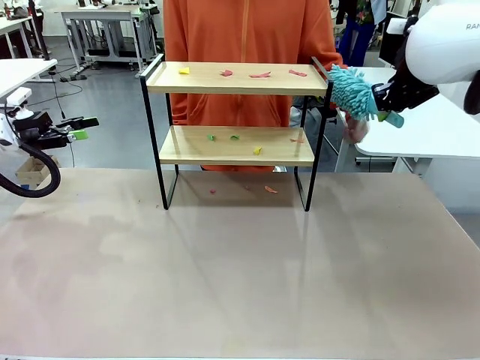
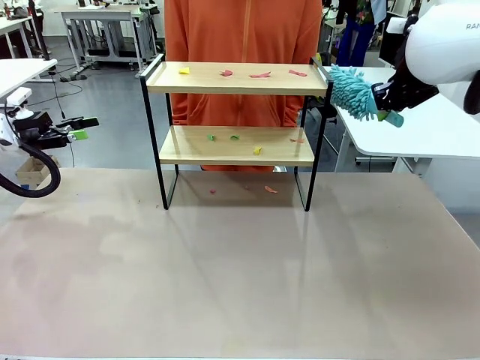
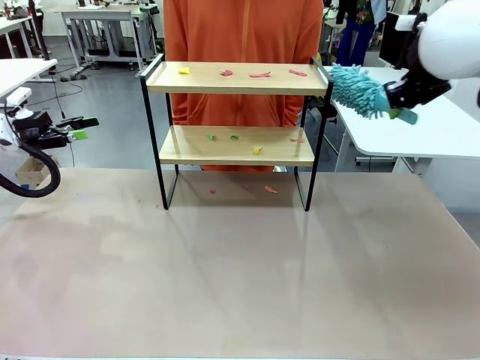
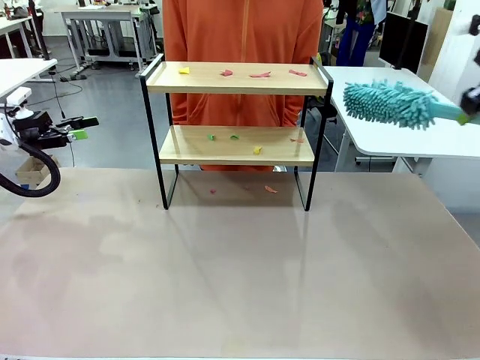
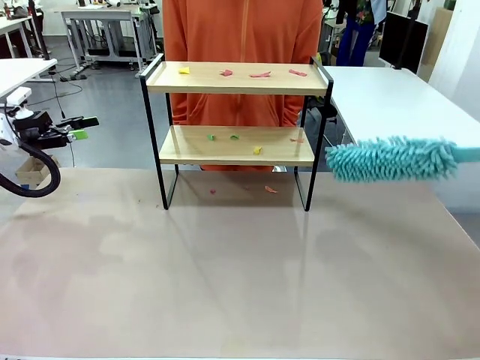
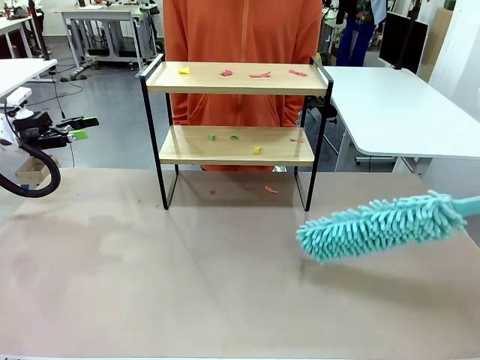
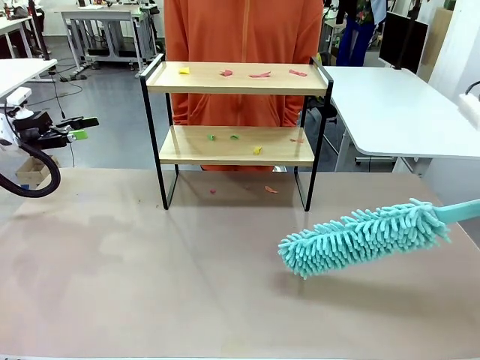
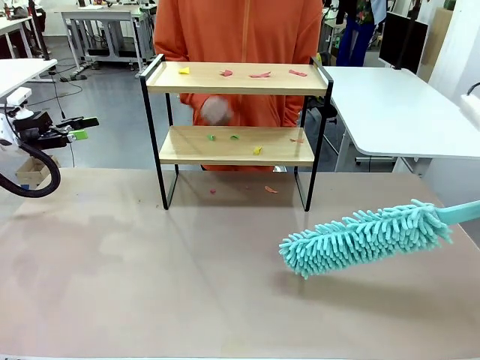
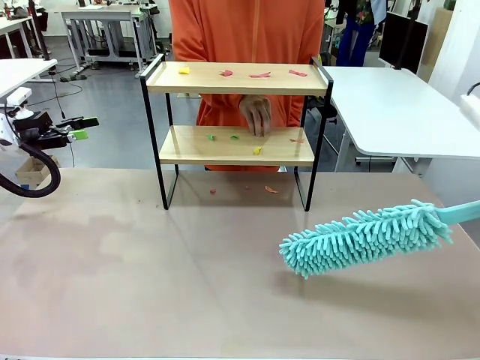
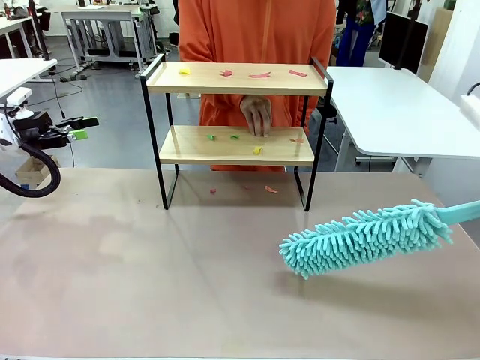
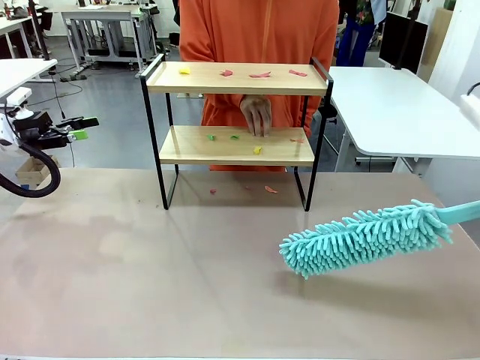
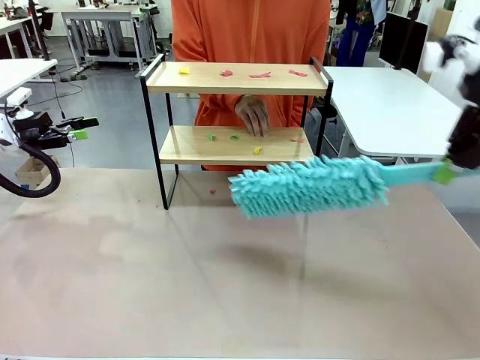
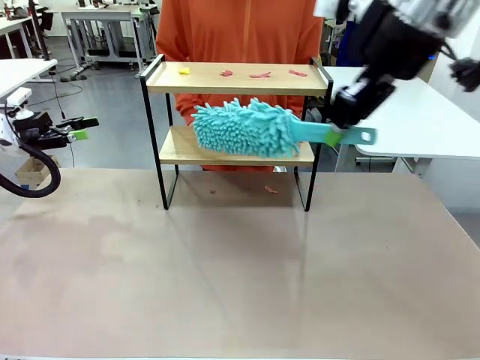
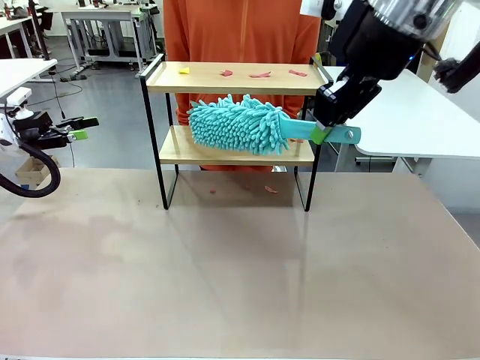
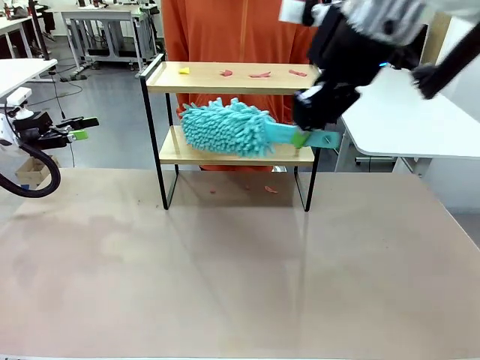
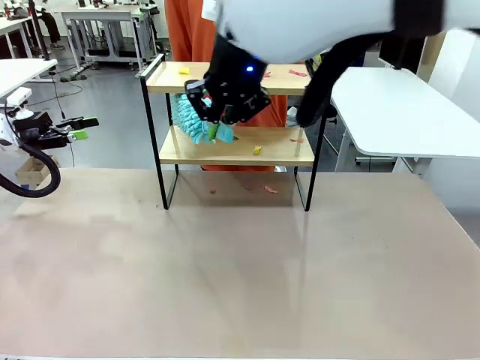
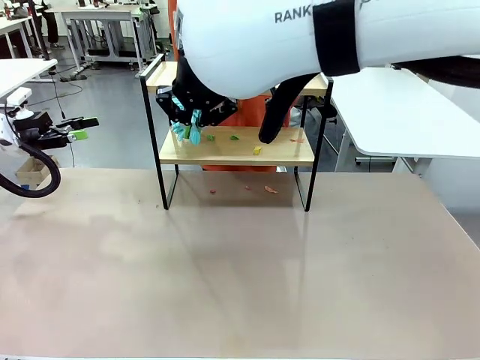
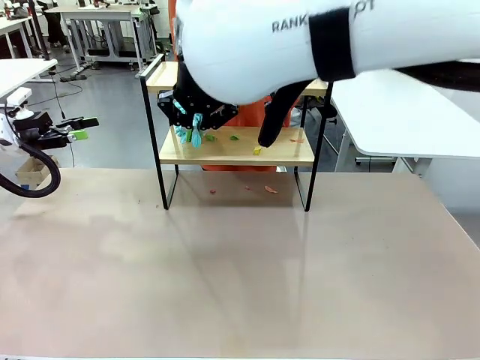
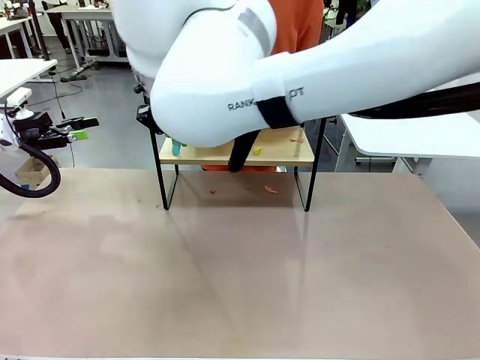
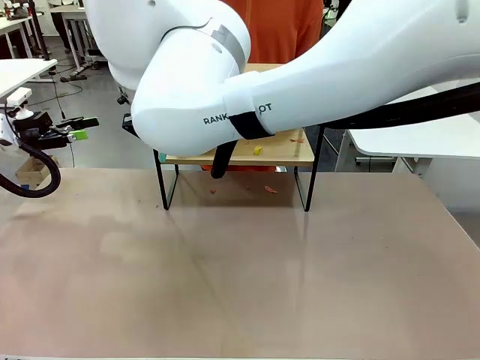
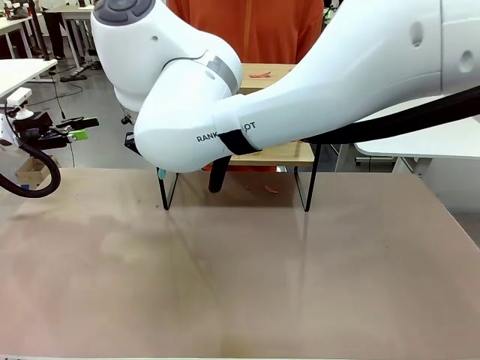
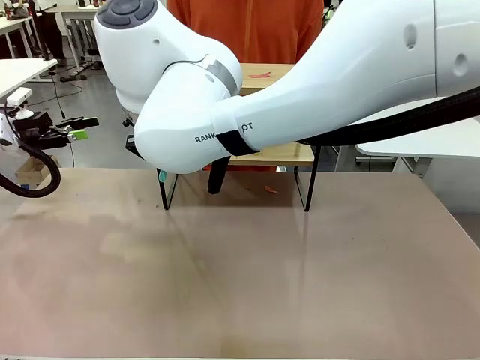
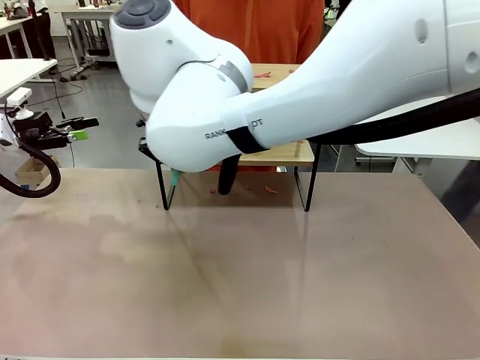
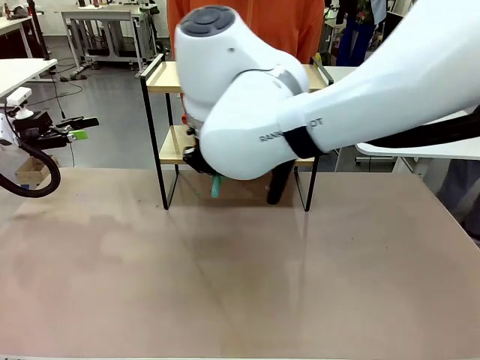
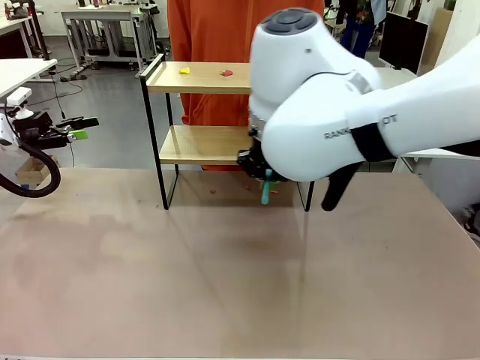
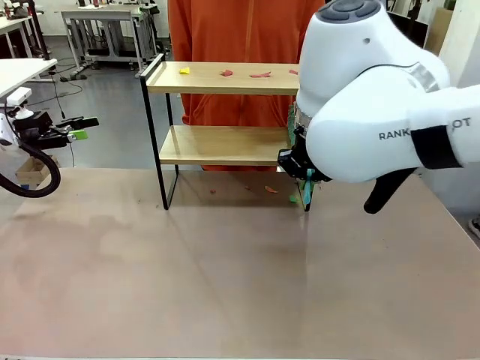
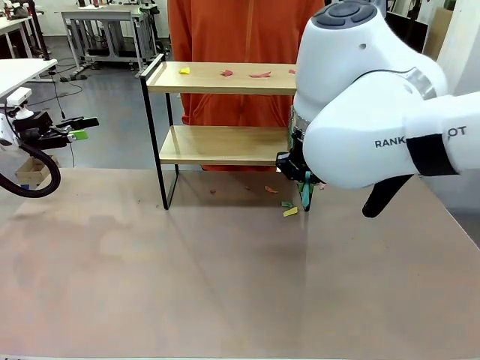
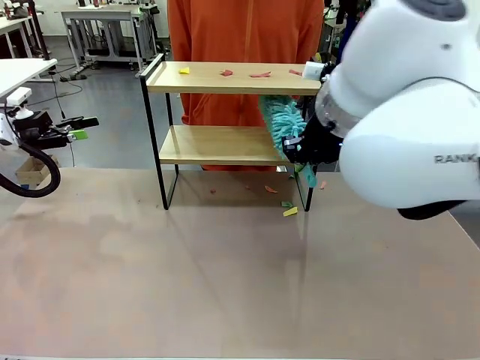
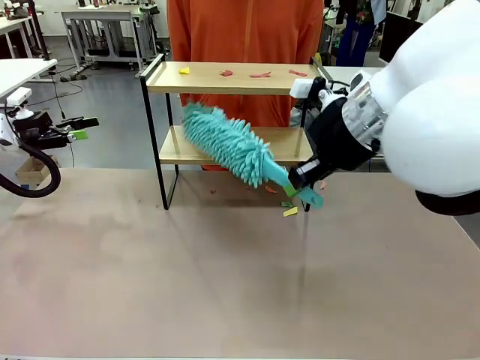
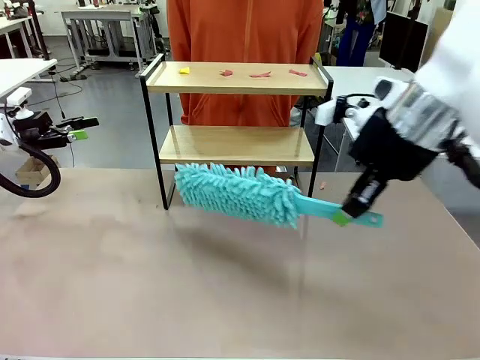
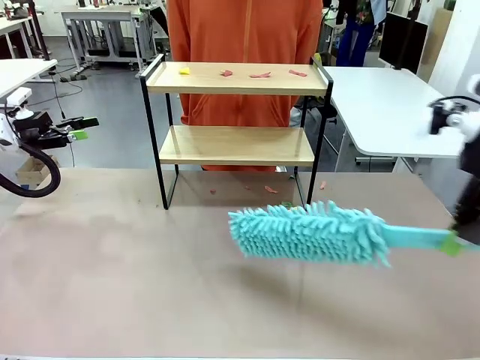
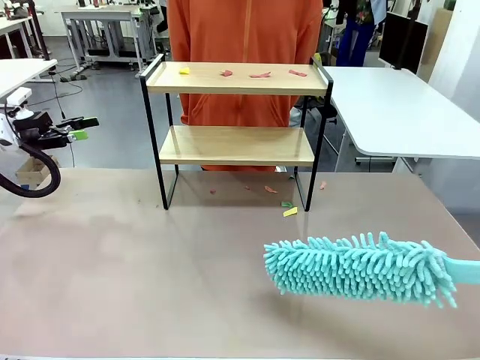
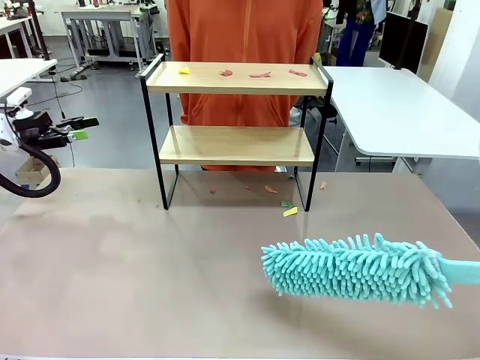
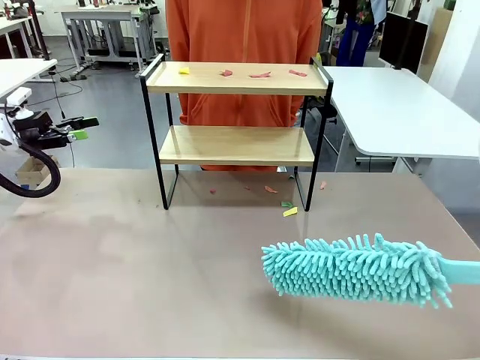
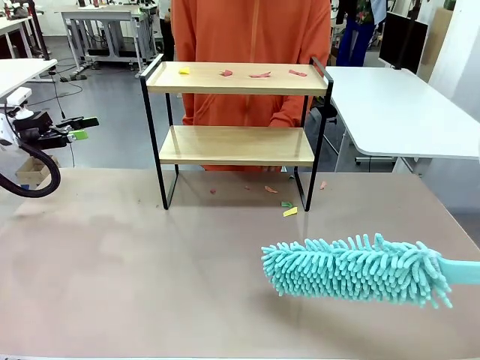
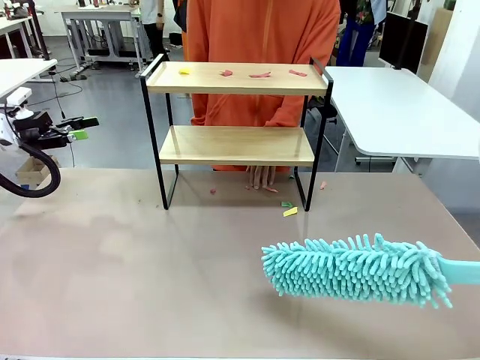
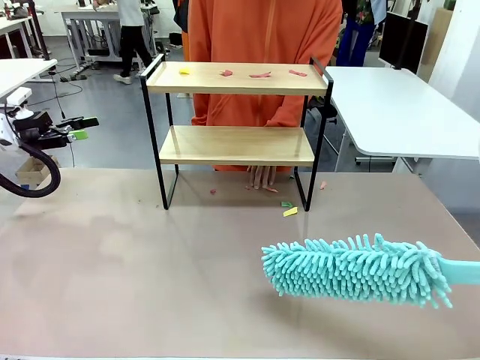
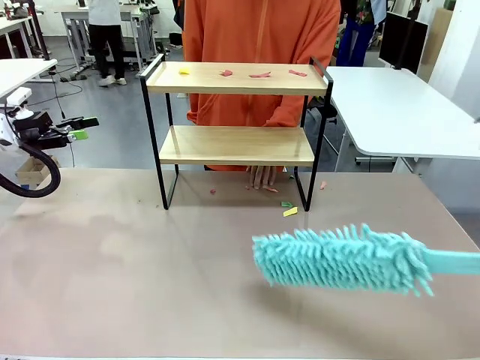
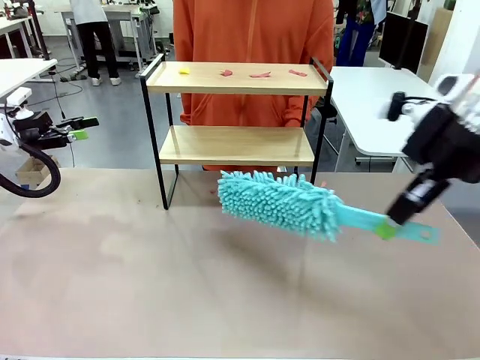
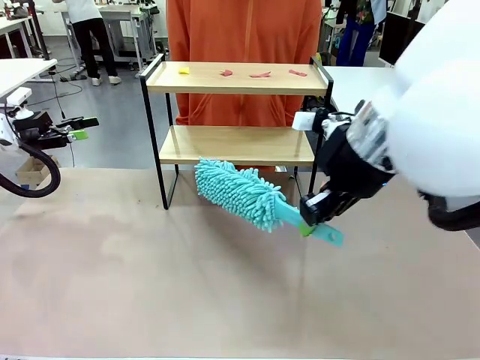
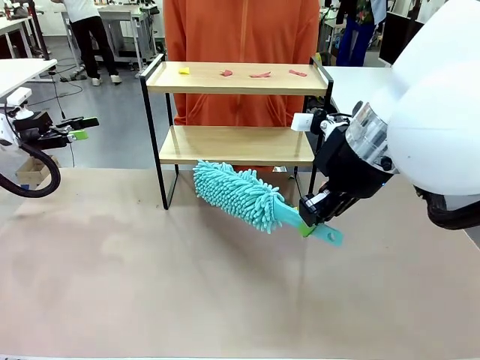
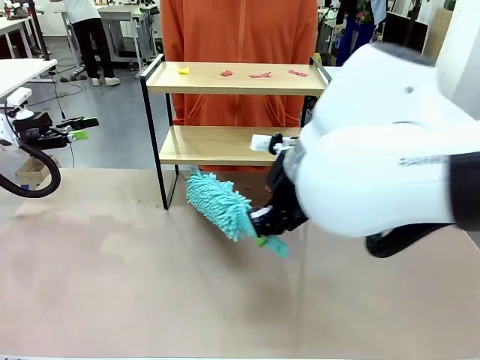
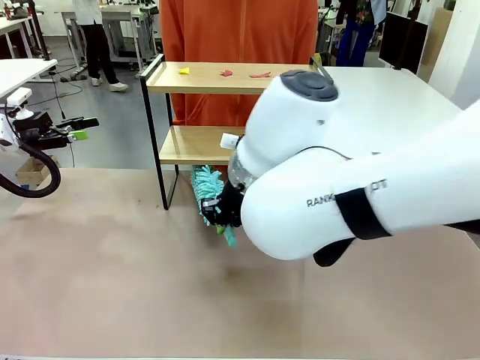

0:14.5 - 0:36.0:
Task: Clean the shelf.
Robot: Clean the specific section of the Shelf indicated by the human with the Duster.
Person: Point a random section of the Shelf.
